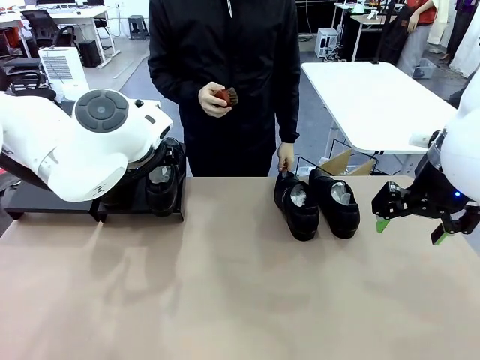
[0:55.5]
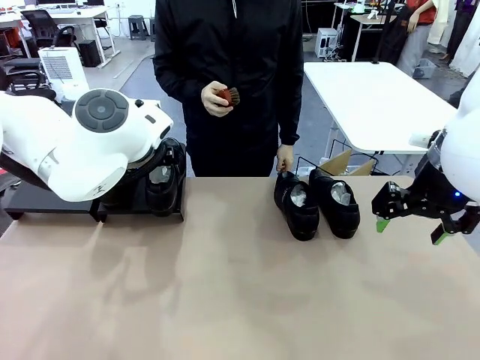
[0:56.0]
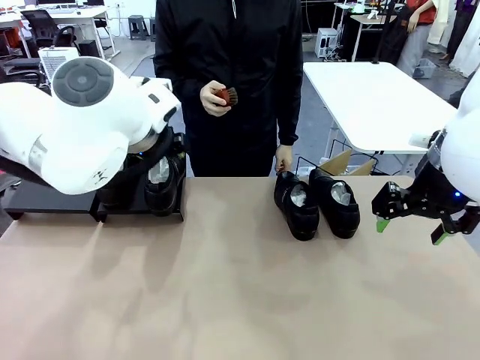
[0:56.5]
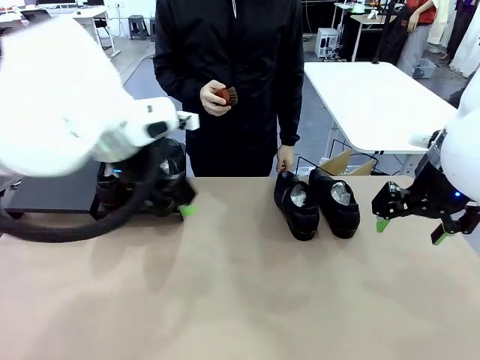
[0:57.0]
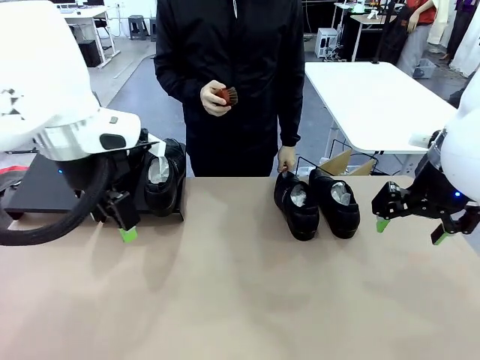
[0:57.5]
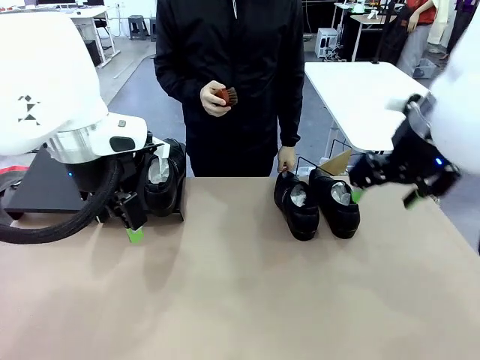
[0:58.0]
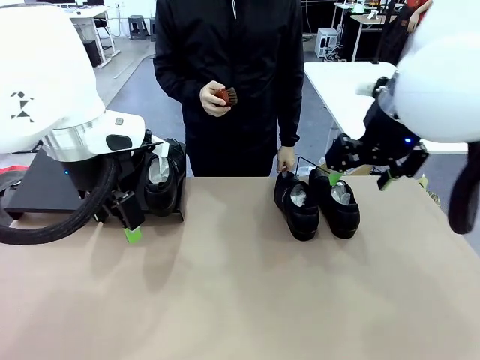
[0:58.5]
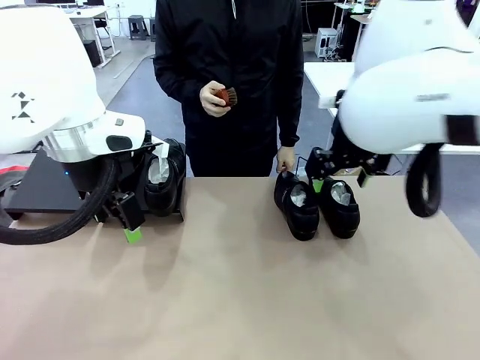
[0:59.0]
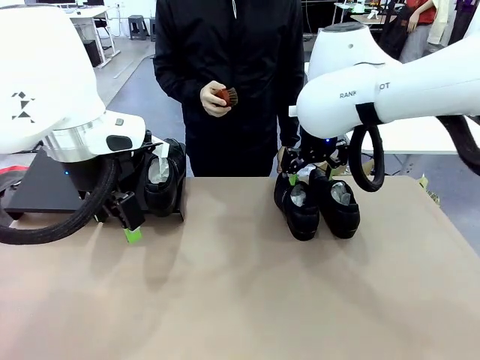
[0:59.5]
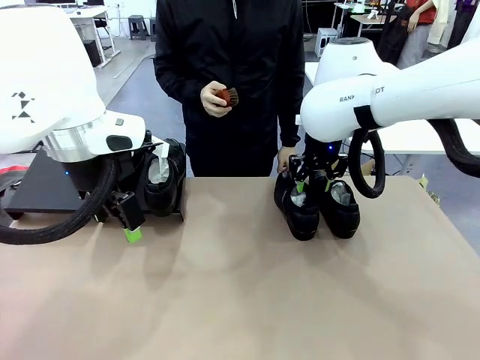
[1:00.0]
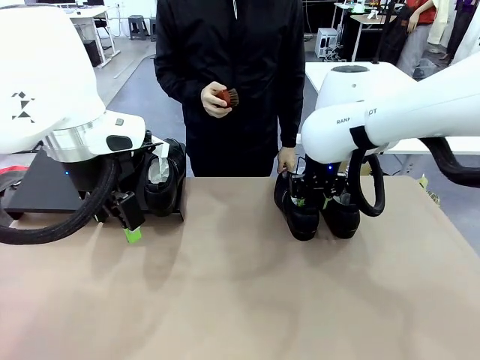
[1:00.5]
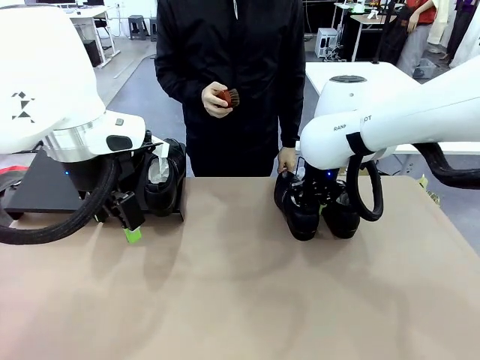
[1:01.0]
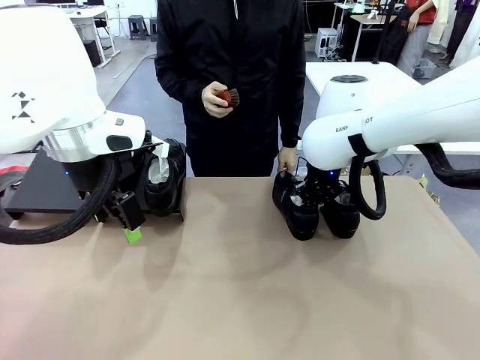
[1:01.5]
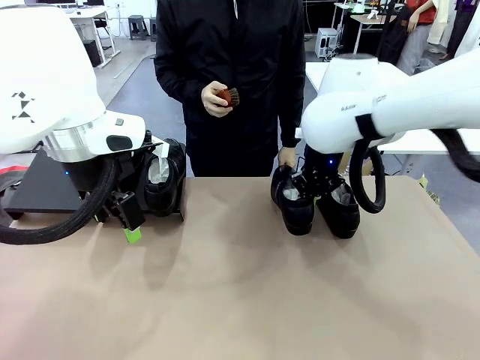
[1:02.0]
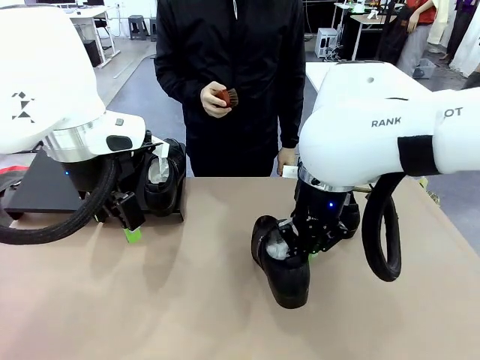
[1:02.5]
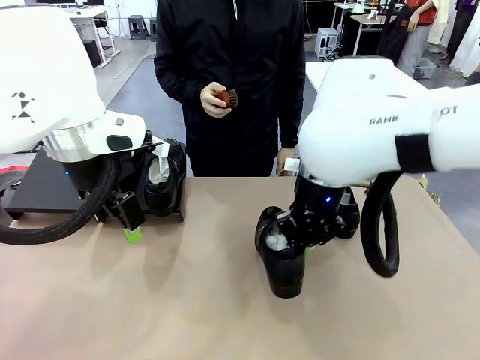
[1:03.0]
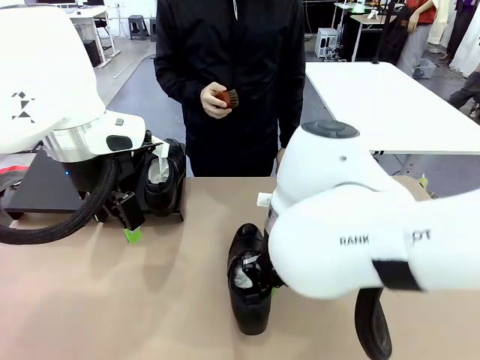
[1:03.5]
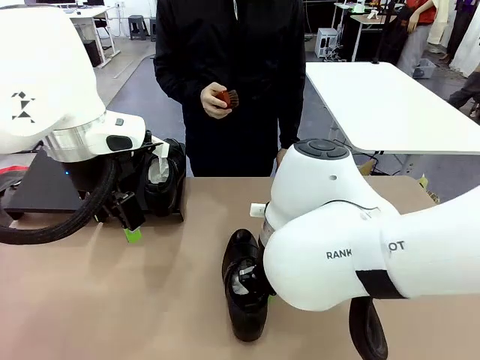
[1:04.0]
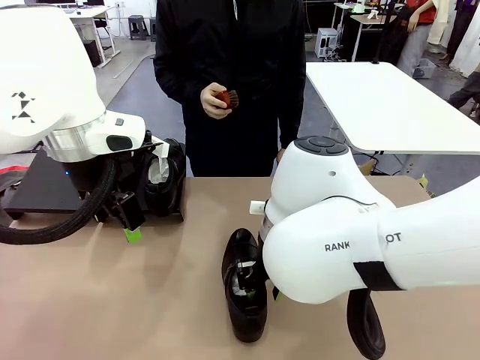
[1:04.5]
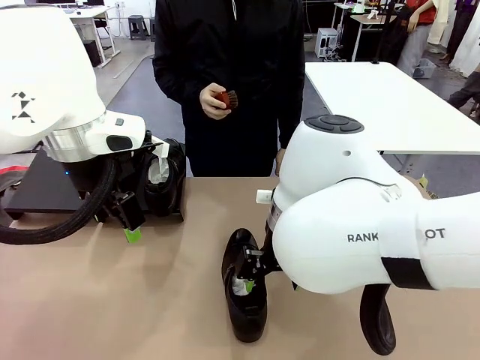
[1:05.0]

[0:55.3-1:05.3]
Task: Organize the shoes by placing them on the stand.
Robot: Pick up one Shoe and place it in the middle of the table.

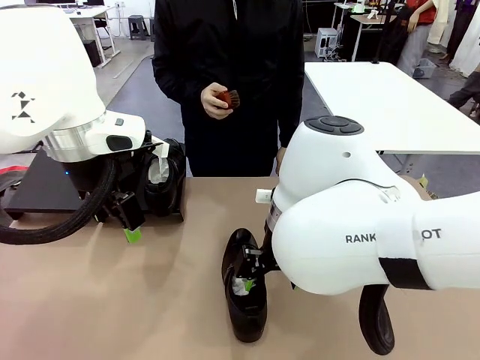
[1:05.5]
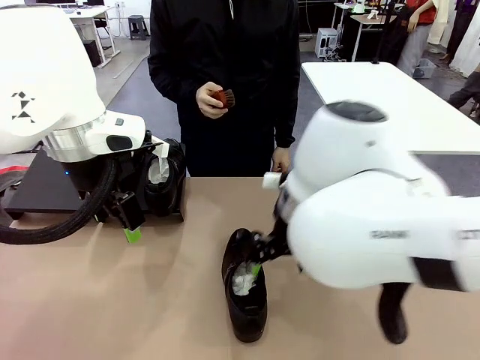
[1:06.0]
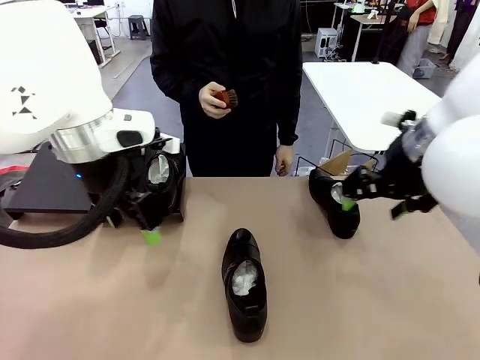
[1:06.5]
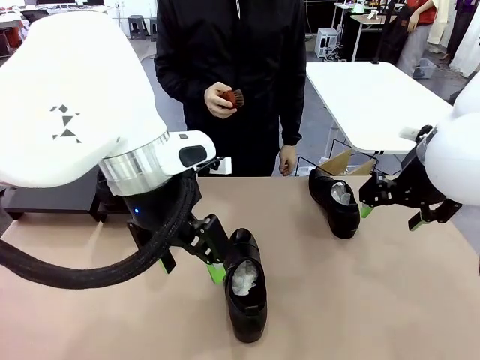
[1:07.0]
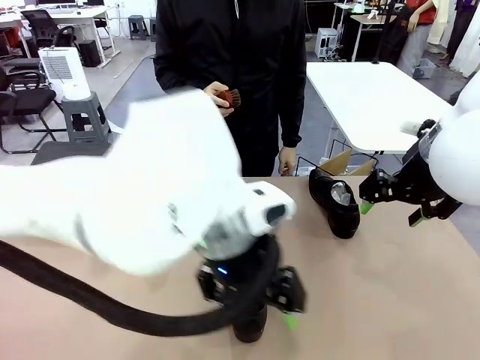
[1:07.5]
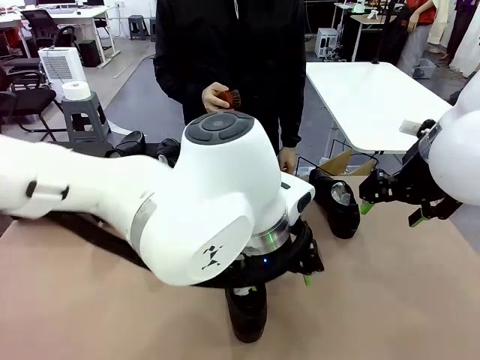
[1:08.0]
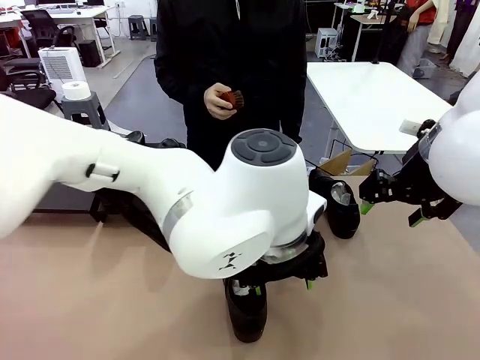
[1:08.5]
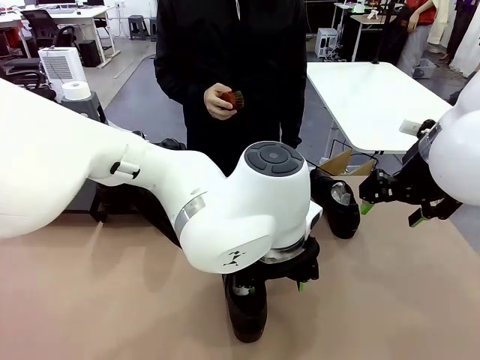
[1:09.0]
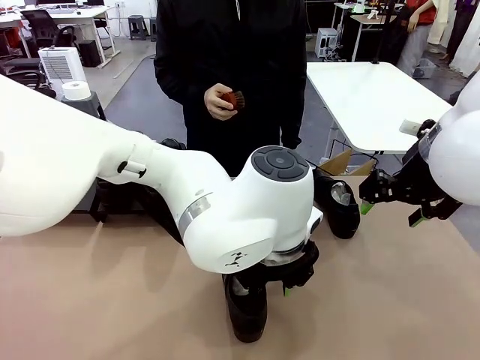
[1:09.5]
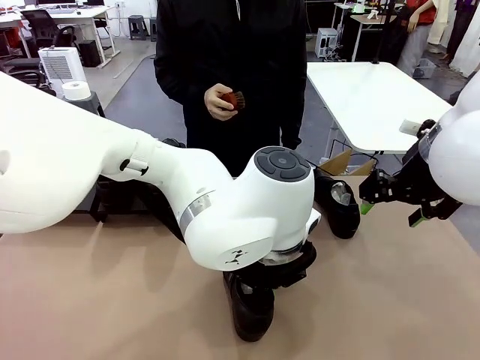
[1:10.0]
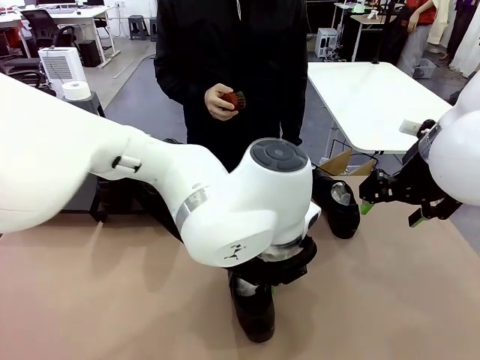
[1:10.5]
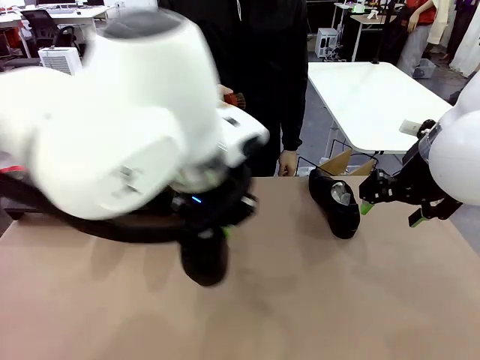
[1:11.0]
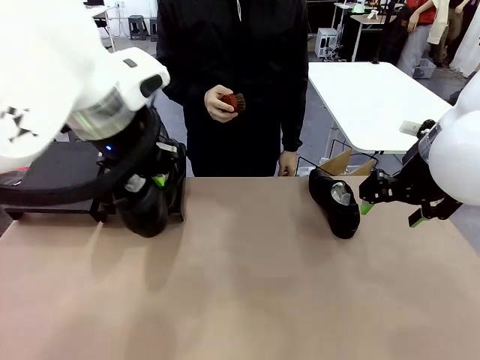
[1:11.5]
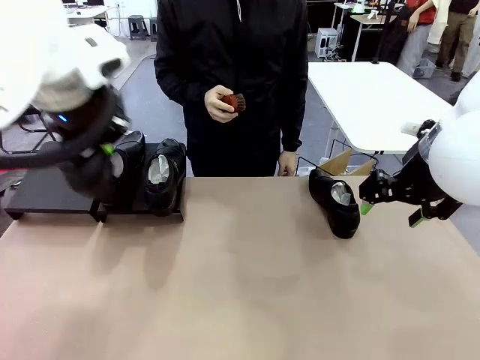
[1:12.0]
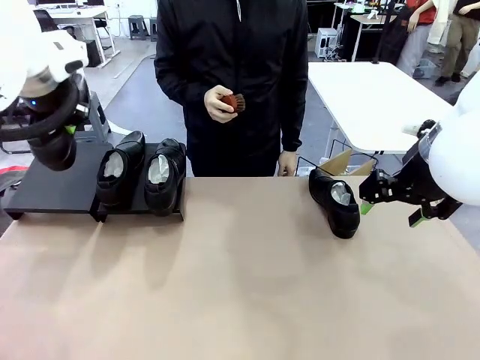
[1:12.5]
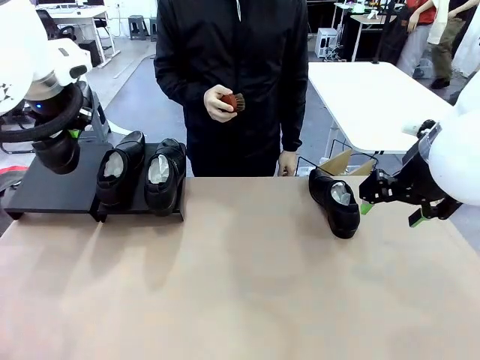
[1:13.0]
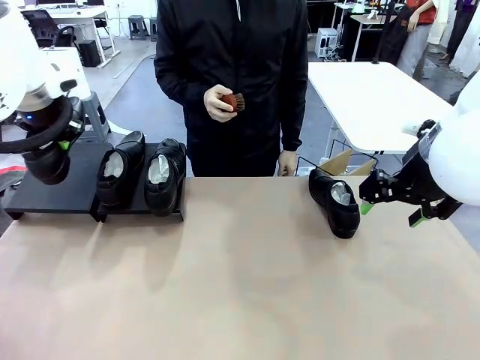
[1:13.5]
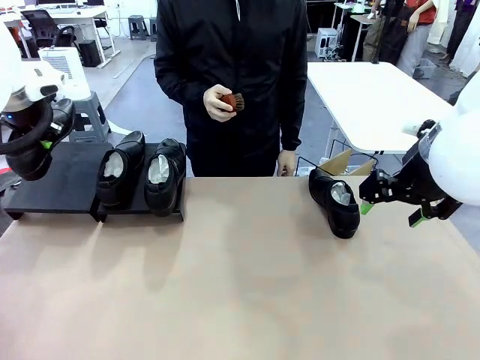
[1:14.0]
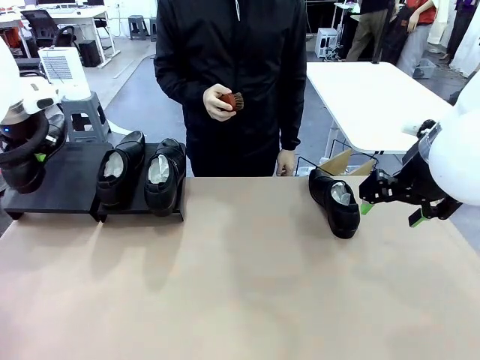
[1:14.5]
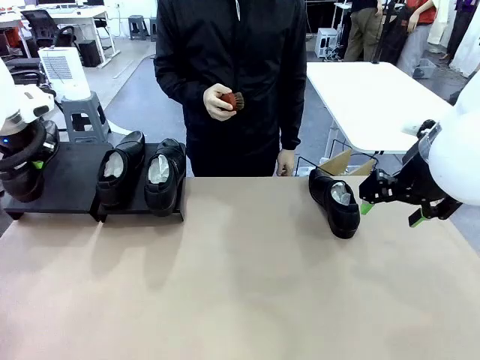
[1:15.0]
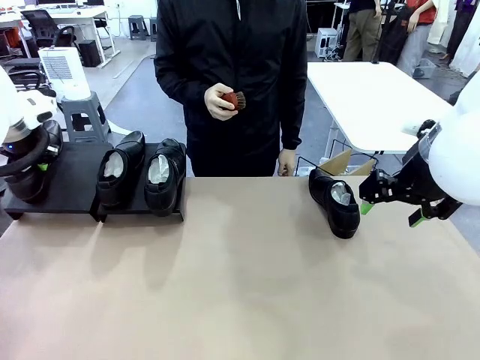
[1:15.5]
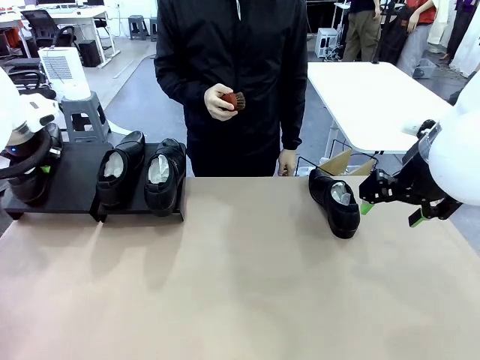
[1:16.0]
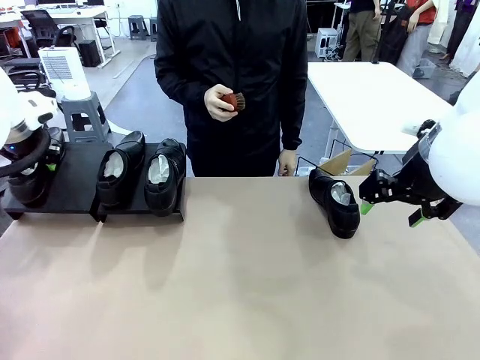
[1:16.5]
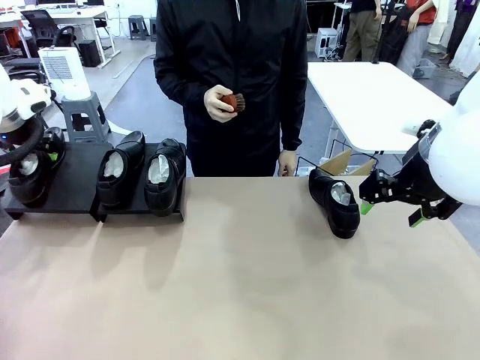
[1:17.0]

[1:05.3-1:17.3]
Robot: Place the Shoe from the middle of the table onto the Shoes Stand.

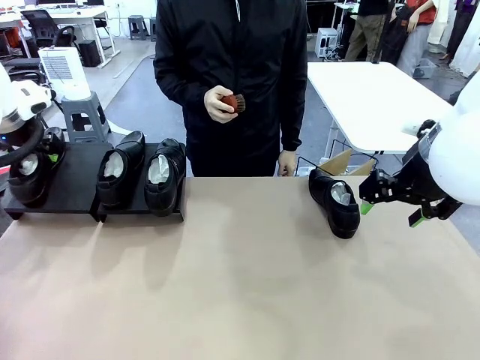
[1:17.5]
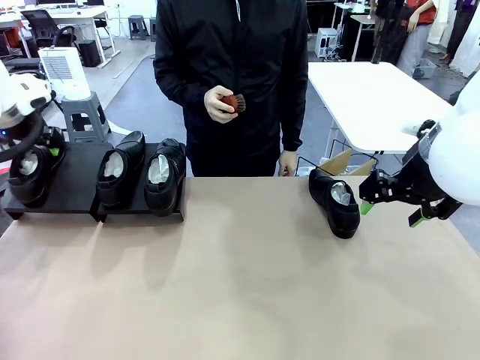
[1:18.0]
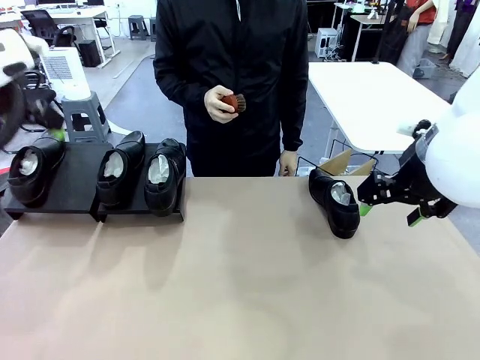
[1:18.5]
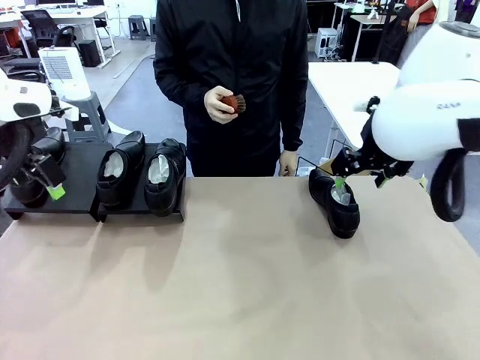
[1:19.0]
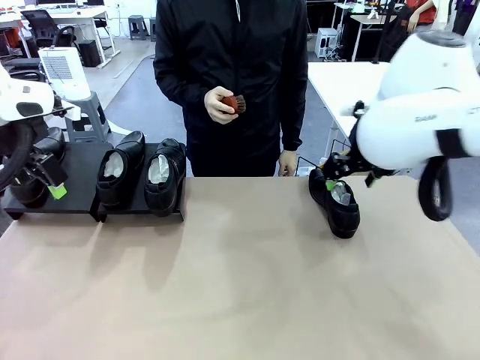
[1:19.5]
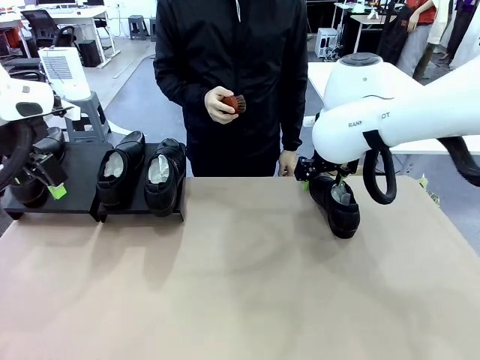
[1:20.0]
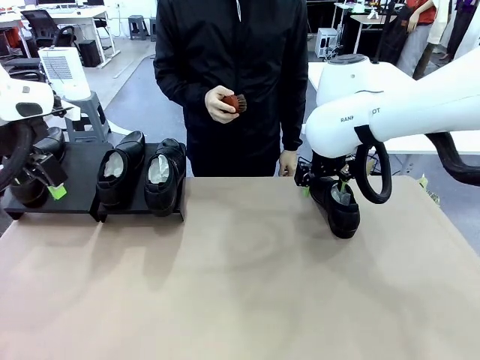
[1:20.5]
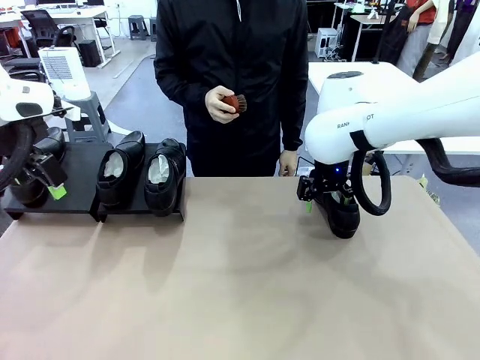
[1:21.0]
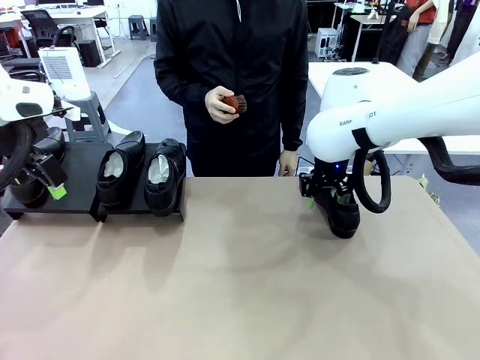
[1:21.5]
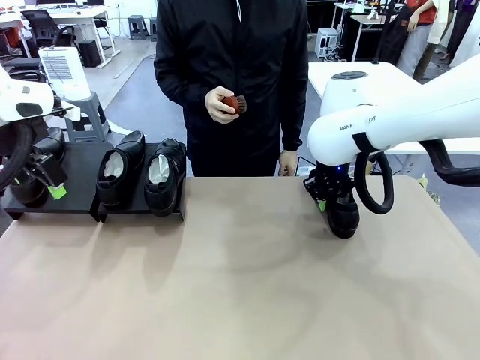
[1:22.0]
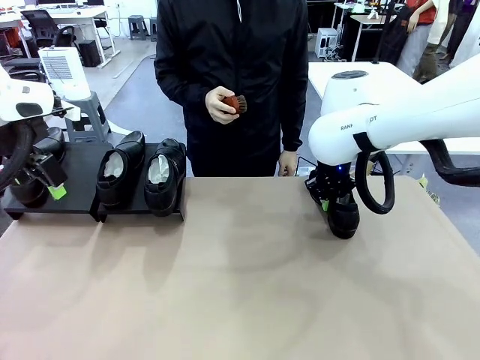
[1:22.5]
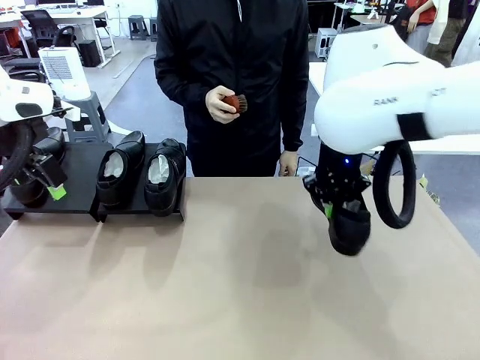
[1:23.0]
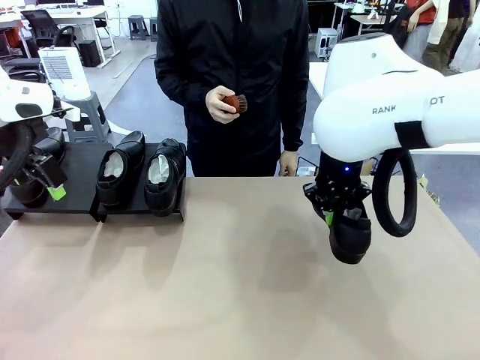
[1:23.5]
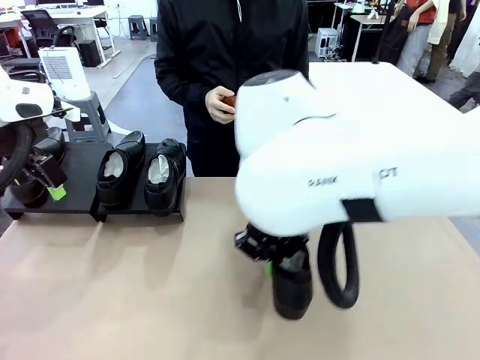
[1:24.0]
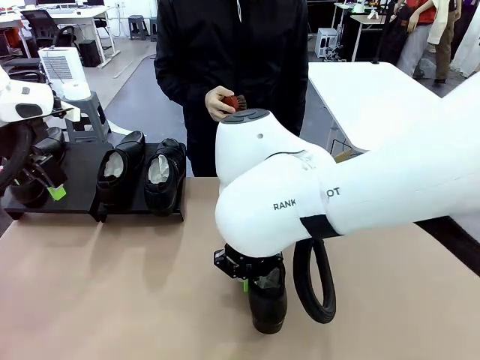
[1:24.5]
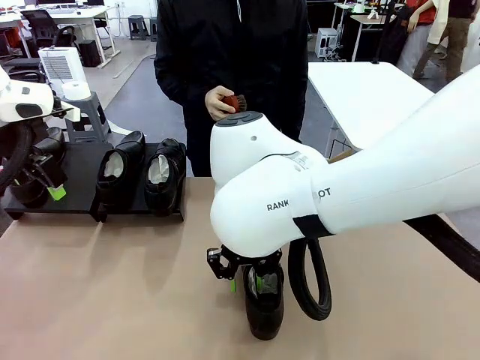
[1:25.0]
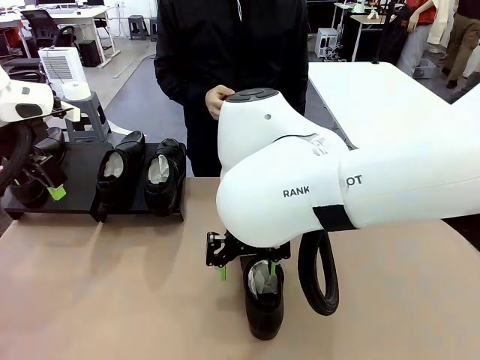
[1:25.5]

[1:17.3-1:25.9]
Robot: Pick up one Shoe and place it in the middle of the table.
